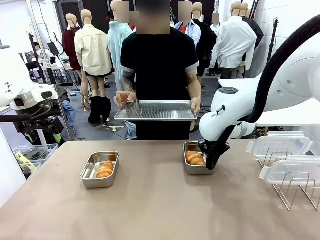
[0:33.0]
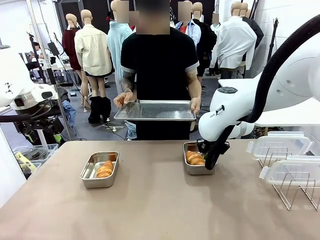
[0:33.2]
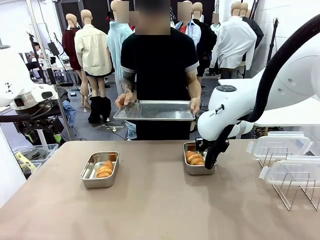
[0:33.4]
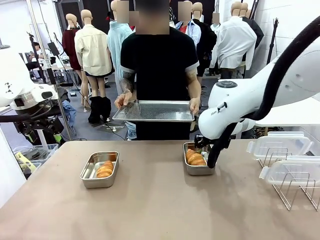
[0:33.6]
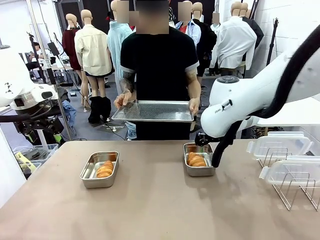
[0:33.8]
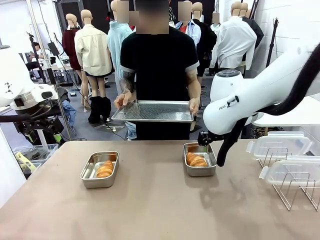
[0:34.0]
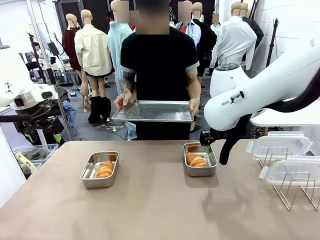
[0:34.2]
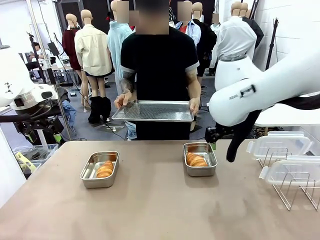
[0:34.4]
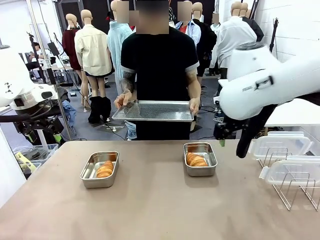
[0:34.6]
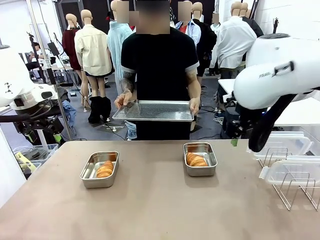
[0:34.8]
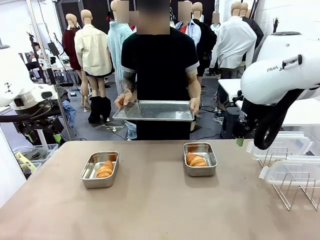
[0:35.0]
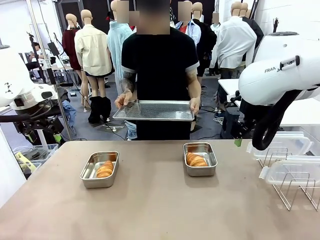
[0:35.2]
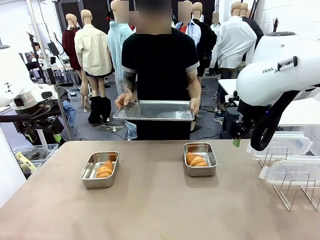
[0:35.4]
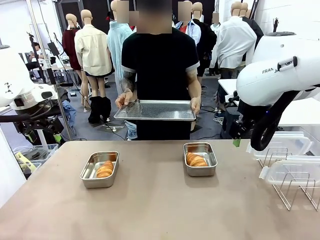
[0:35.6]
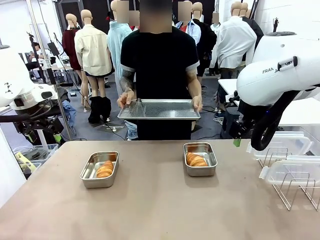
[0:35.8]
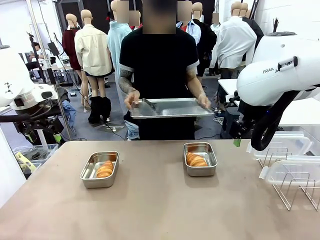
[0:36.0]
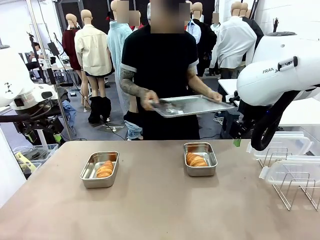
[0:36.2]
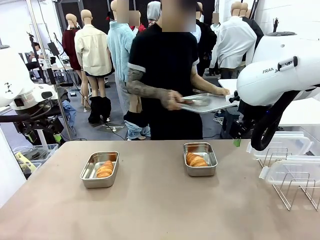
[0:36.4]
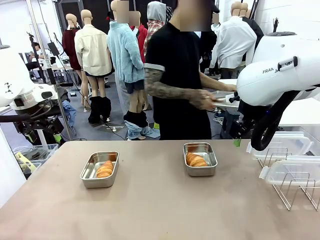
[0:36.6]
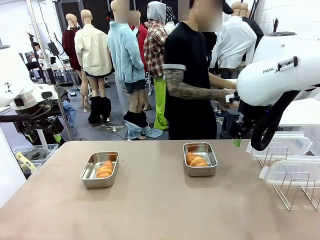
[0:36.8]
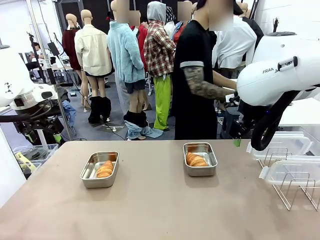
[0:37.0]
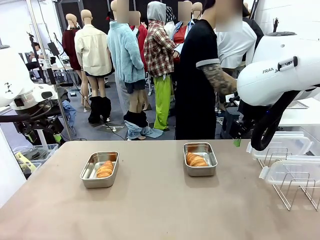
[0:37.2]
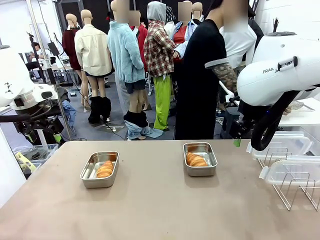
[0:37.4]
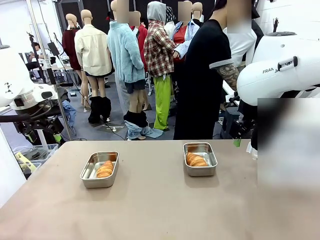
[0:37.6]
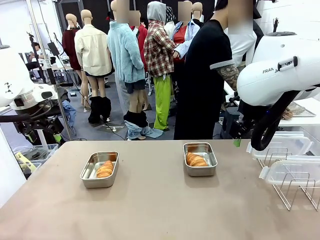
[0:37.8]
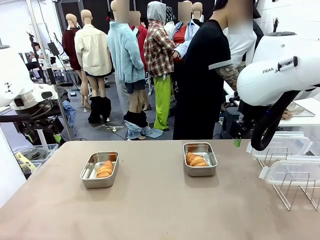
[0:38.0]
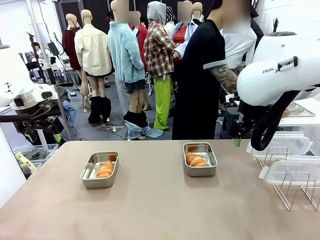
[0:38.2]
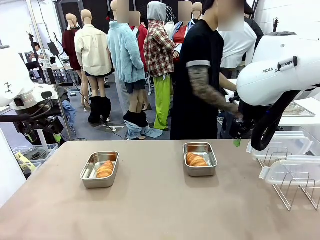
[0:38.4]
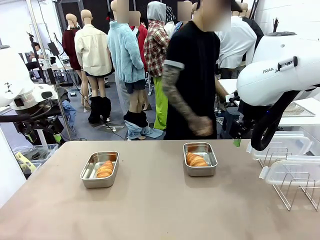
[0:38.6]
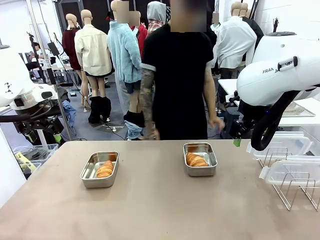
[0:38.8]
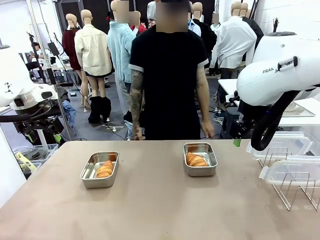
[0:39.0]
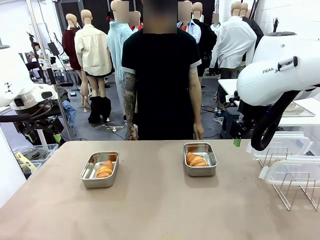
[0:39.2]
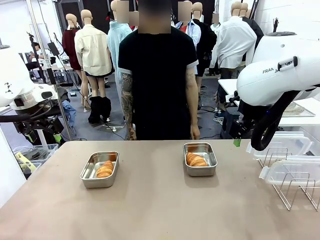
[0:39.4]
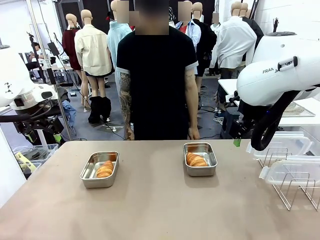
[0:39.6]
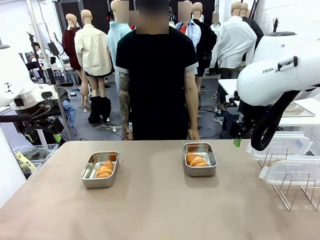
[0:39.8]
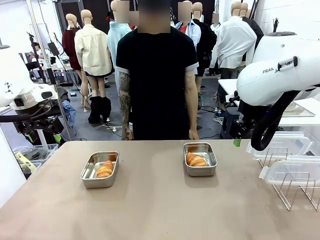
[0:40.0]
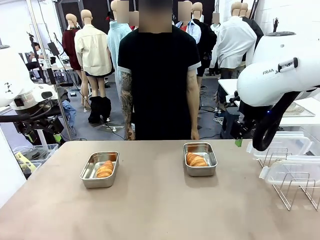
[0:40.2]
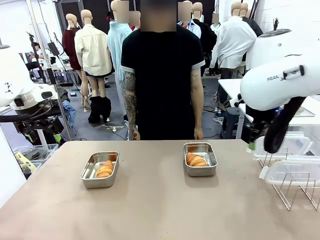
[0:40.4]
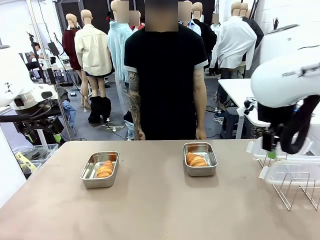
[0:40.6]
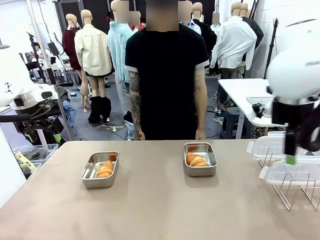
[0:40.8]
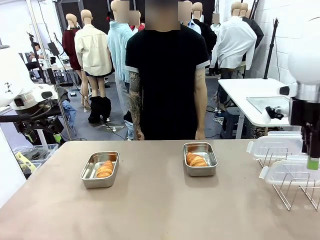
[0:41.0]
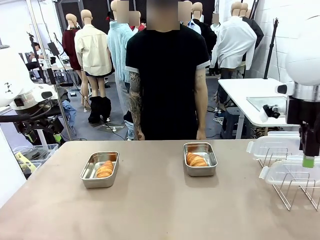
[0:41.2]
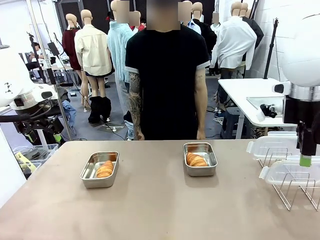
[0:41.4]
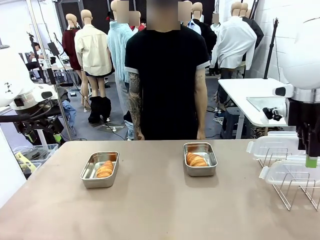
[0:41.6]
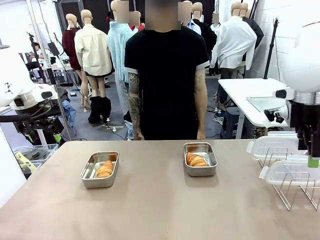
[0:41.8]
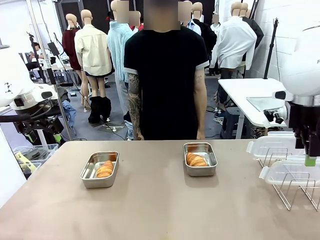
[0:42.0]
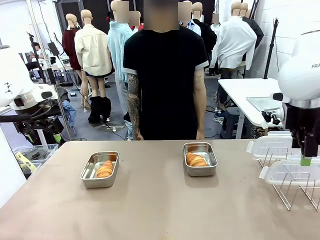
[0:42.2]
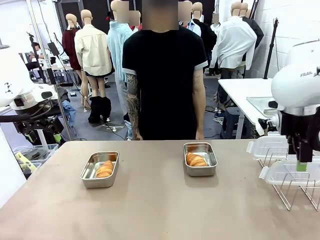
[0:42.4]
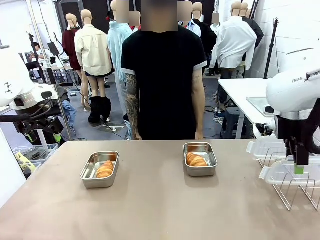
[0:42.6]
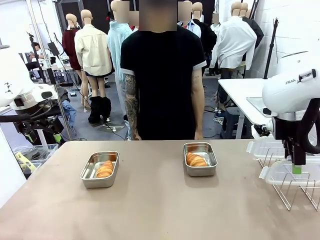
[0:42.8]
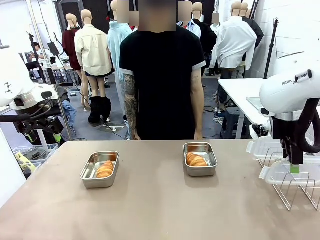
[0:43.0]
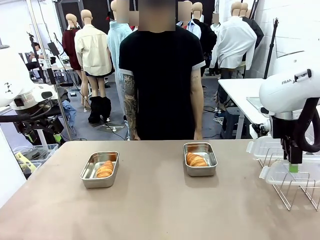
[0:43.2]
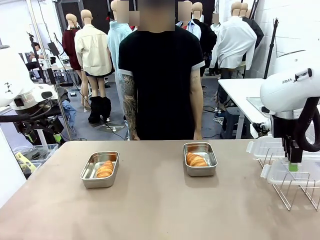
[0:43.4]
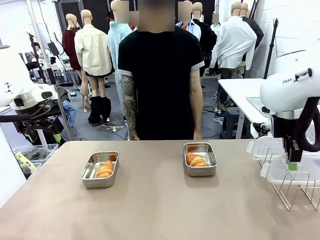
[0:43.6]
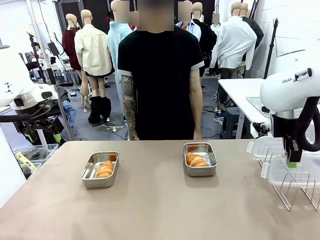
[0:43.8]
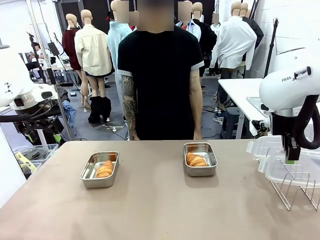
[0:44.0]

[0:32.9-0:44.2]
Task: Place the bread in airtight containers.
Robot: Pick up one Airtight Container lid and hand it to the human.
Person: Place Baking Sheet on the Human's Table.

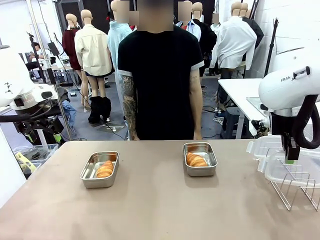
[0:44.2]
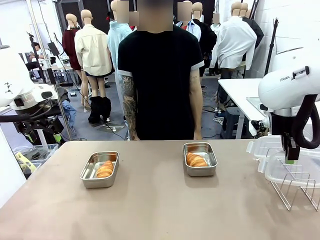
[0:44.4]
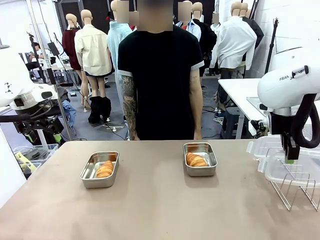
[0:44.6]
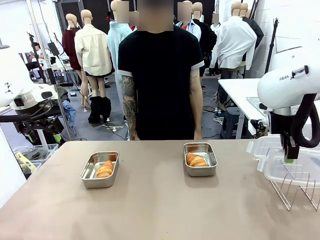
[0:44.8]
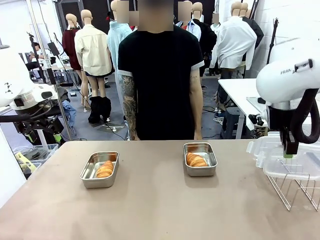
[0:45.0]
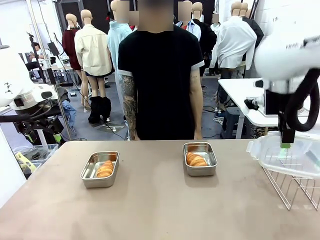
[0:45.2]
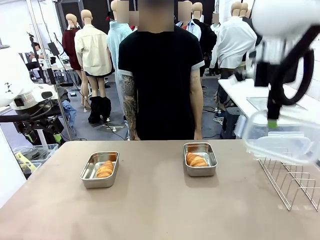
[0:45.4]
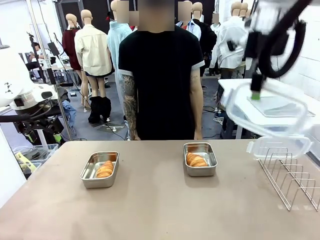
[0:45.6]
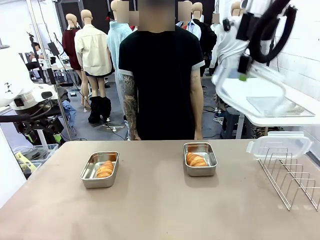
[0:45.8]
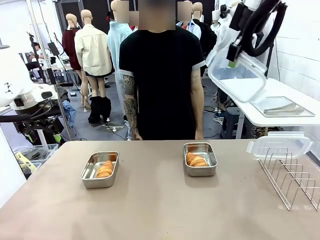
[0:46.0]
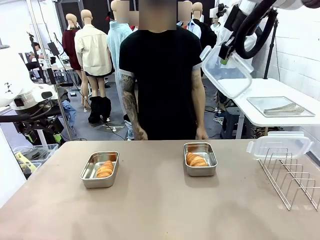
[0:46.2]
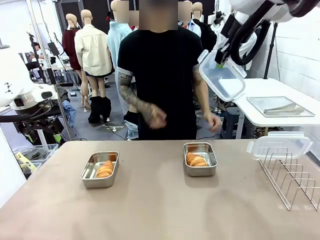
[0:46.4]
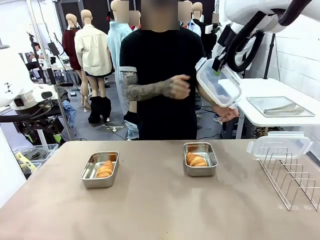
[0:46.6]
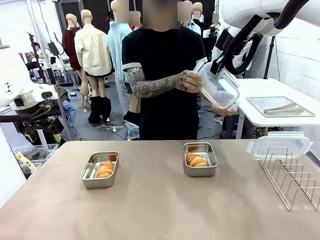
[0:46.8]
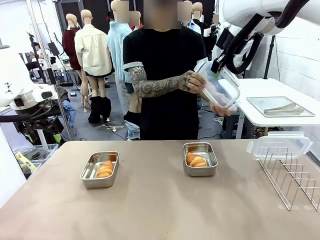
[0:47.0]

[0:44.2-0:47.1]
Robot: Release when the human grabs the Airtight Container lid.
